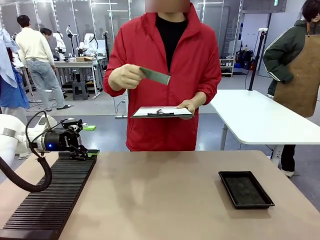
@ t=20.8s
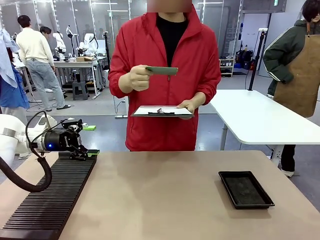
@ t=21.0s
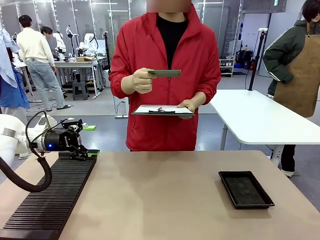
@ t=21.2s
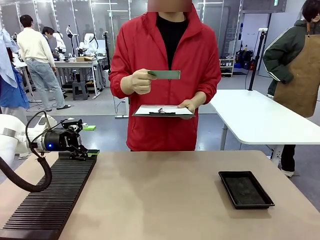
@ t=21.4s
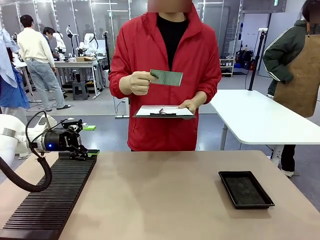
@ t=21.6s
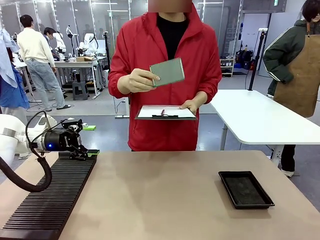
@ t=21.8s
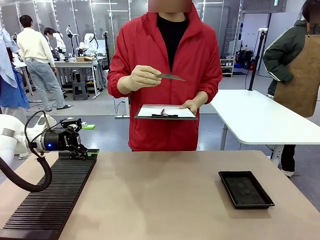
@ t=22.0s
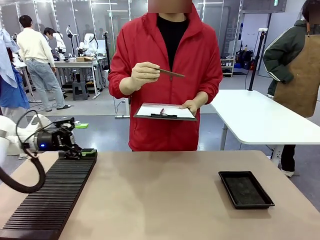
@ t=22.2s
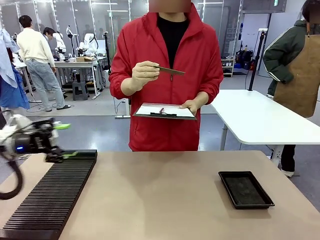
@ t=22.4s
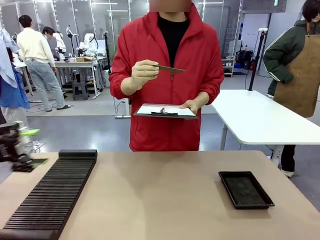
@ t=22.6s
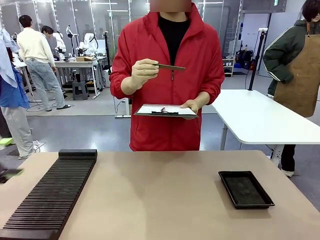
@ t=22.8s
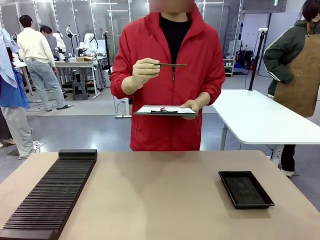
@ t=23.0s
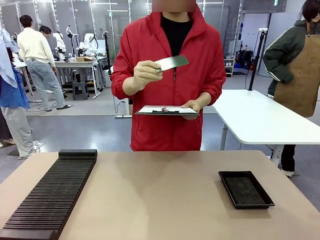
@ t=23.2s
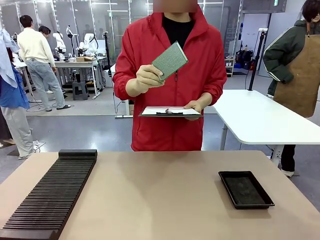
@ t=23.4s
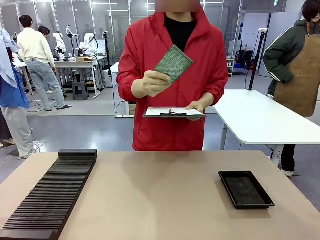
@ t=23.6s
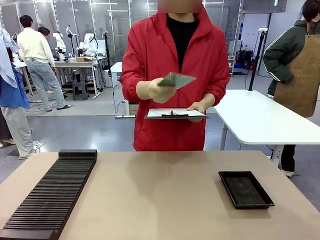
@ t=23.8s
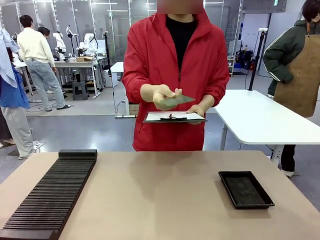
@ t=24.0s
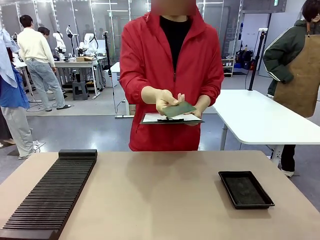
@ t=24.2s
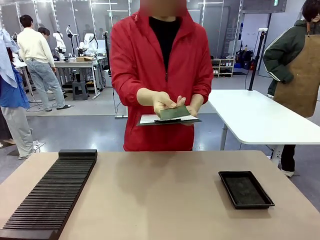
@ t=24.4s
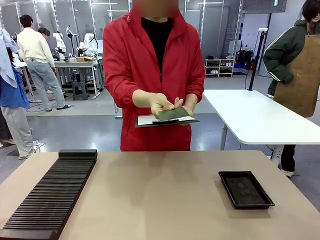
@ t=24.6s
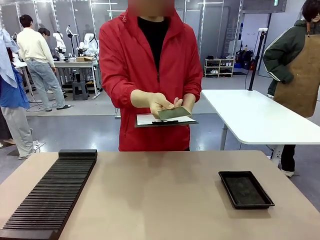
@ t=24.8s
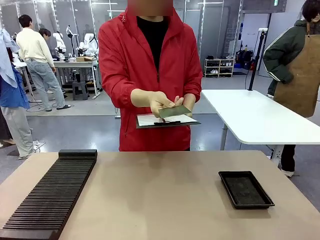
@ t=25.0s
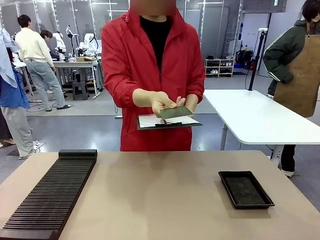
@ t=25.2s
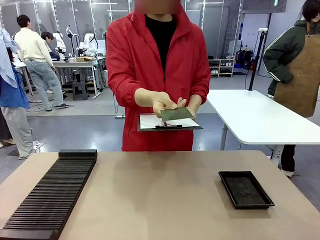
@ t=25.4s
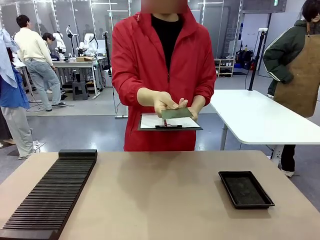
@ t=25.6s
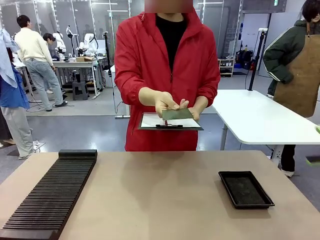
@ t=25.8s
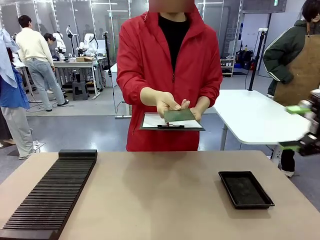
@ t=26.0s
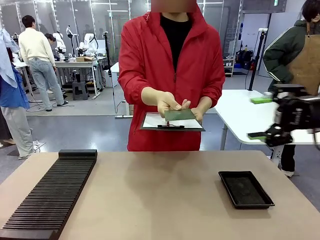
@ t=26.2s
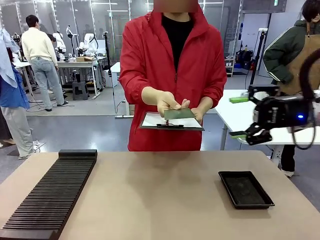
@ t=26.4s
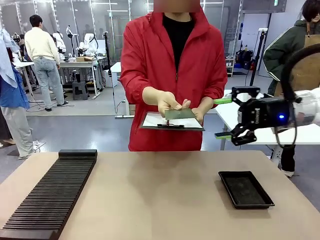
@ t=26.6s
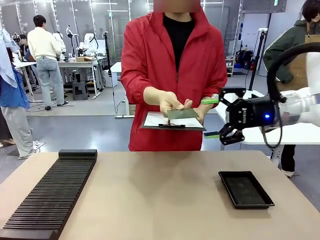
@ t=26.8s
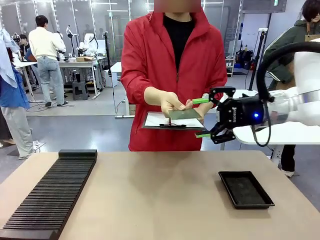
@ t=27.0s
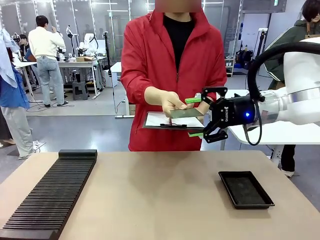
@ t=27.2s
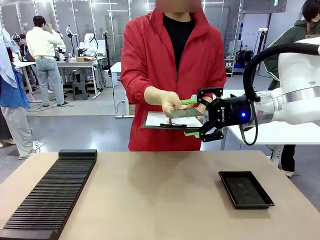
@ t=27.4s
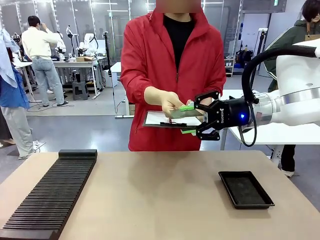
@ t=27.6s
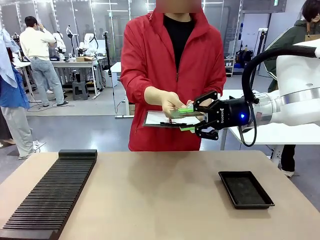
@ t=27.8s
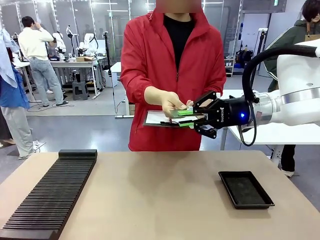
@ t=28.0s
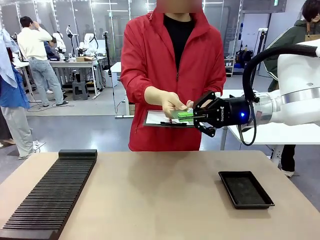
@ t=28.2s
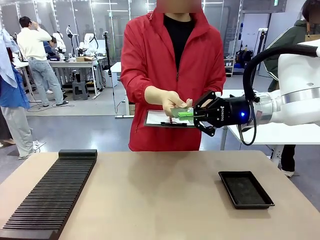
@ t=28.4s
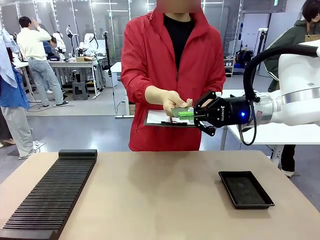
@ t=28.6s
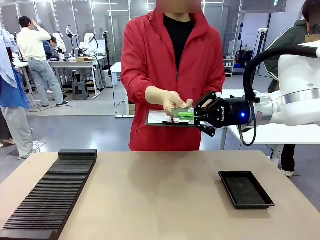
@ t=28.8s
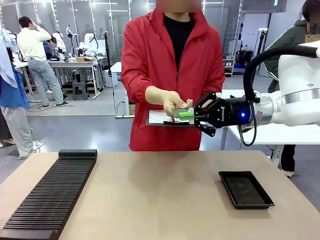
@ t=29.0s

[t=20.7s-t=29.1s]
Task: Inspect the PCB.
Robot: Pick up the Blank PCB that the human is holding.
Person: Inspect the PCB placed by the robot, then hold it out in front of the robot. Release the PCB you were holding.

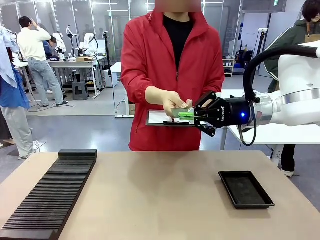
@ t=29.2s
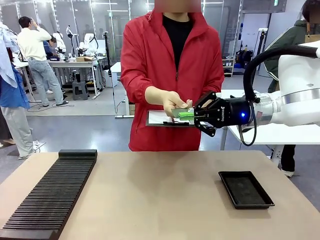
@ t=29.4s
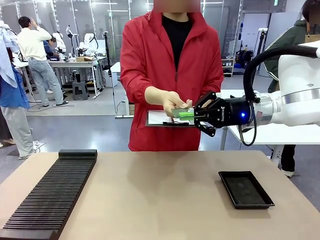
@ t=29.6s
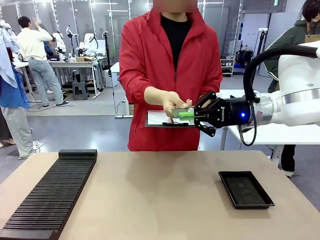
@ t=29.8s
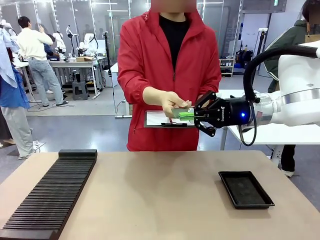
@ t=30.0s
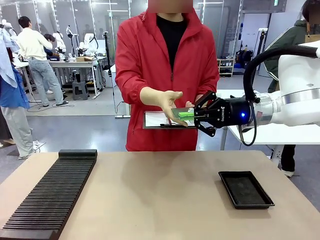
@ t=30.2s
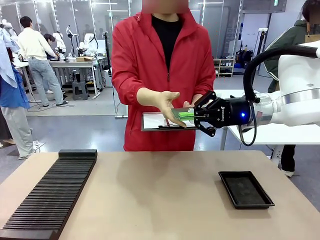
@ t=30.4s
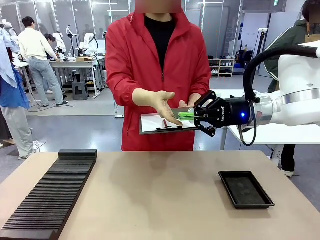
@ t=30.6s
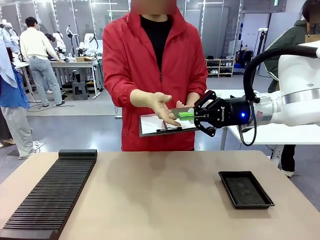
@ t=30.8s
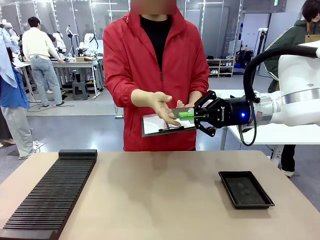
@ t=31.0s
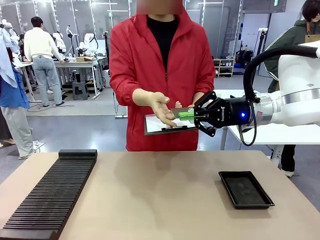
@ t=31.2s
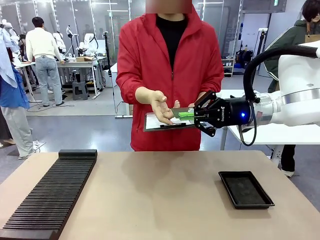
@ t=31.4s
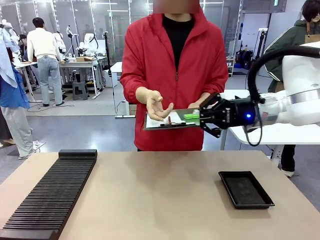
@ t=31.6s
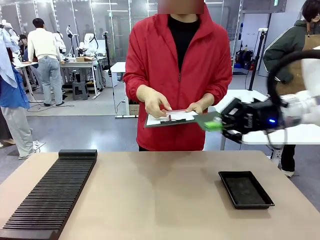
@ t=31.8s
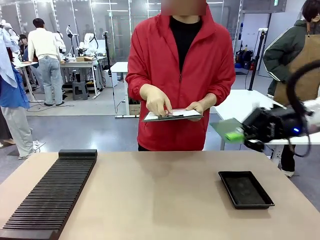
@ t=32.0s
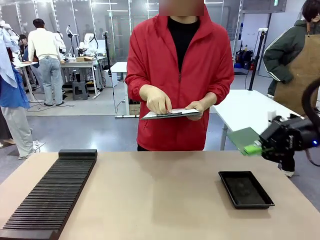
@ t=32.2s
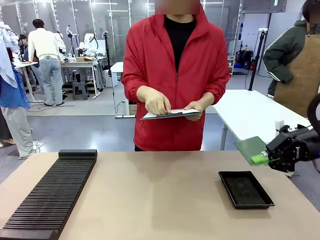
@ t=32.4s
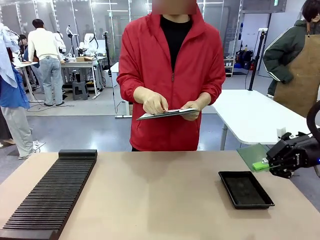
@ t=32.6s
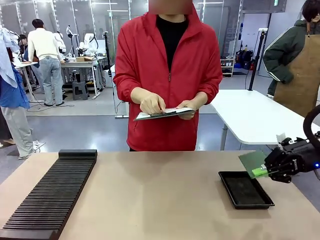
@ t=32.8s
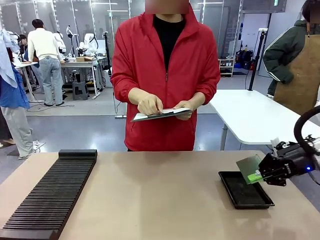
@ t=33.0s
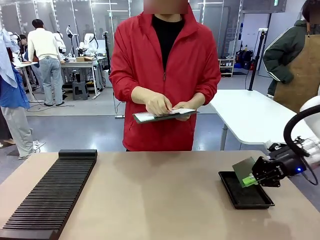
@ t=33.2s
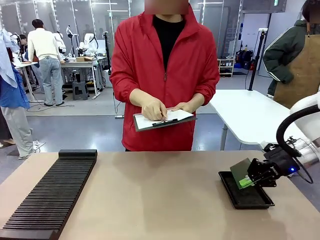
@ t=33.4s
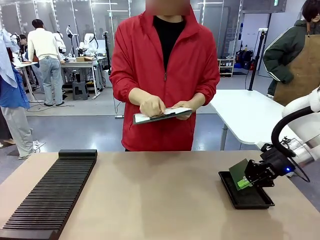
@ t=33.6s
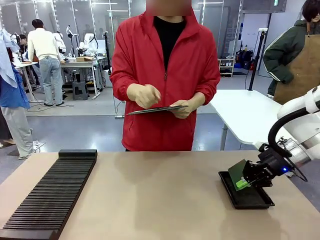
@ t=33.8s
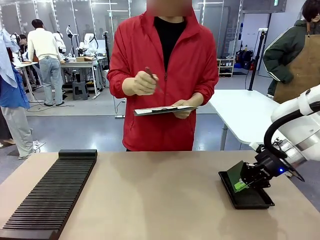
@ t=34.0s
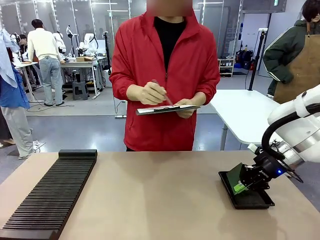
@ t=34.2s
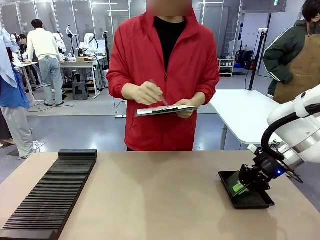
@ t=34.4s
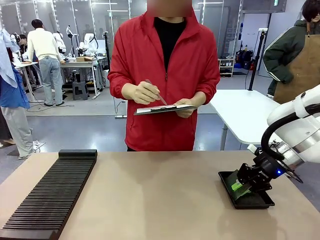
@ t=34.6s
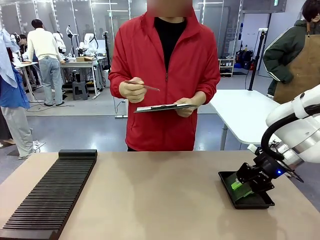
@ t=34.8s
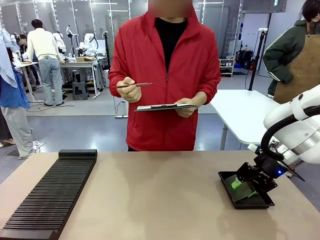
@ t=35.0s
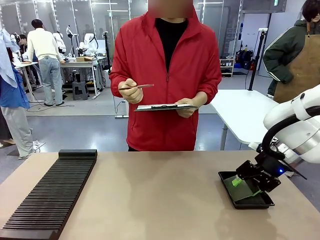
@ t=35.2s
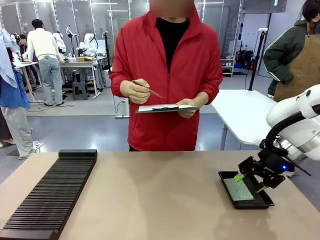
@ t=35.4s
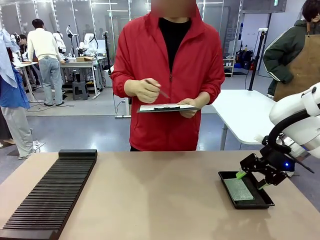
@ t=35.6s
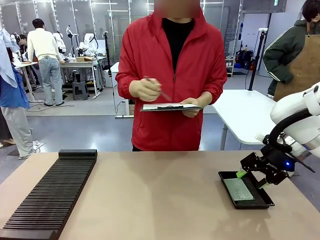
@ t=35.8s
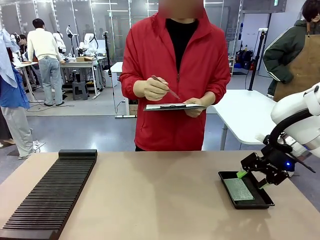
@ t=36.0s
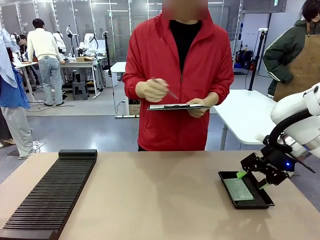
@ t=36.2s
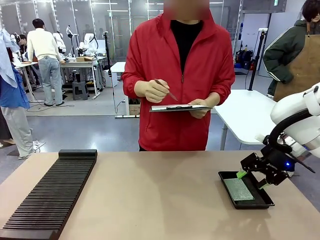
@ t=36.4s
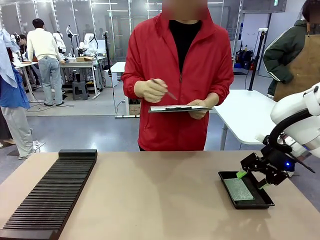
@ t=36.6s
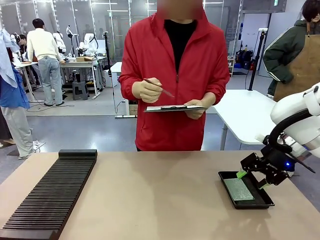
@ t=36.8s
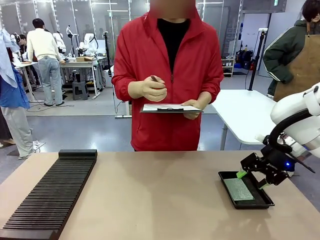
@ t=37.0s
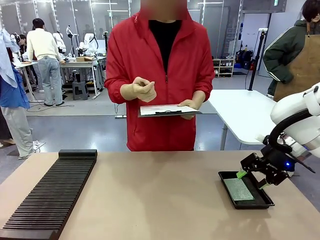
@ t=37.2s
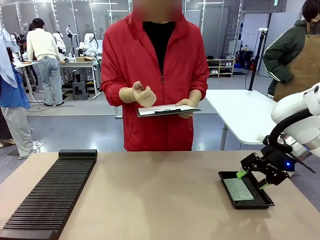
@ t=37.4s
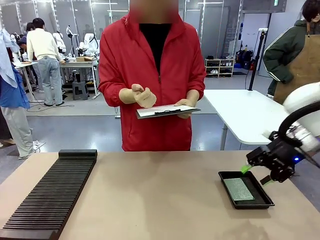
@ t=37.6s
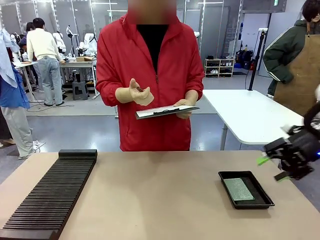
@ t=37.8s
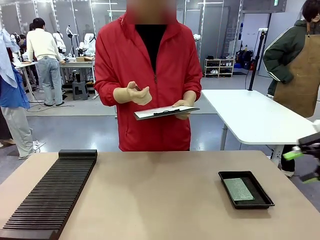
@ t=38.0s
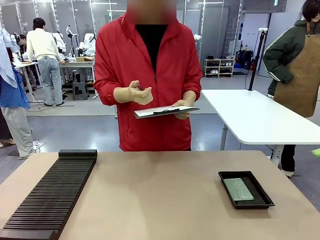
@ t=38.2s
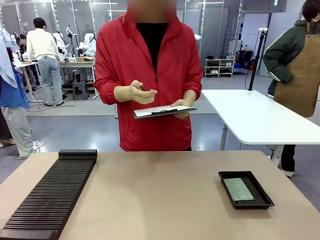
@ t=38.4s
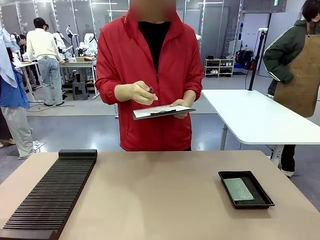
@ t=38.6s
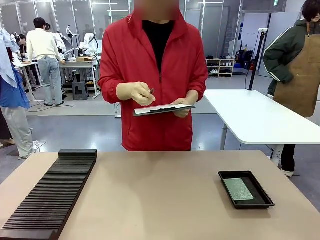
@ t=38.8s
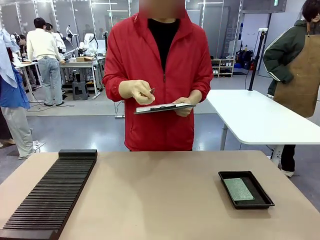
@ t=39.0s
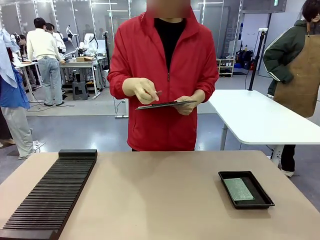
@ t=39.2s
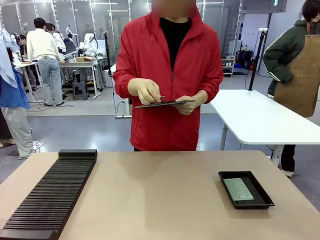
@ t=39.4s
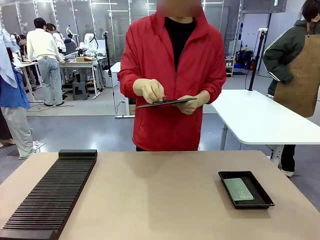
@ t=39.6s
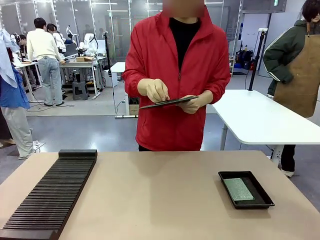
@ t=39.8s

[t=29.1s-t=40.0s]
Robot: Place the Blank PCB in the ESD tray.
Person: Record the PCB status on the paper.
